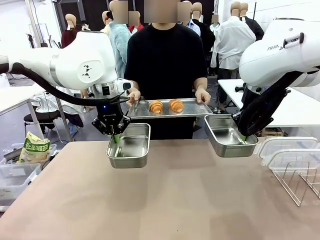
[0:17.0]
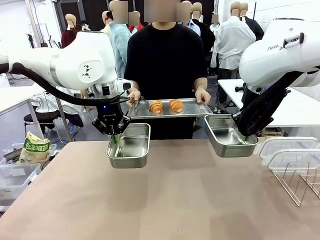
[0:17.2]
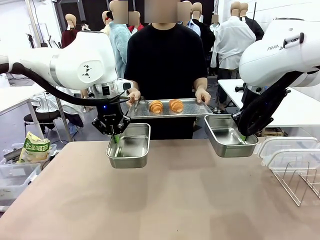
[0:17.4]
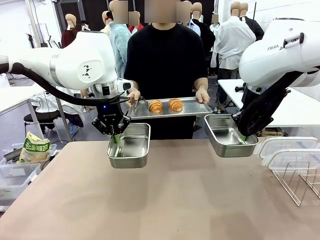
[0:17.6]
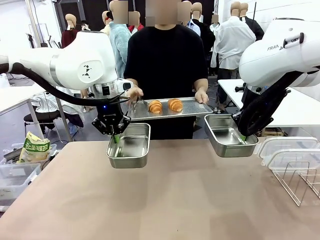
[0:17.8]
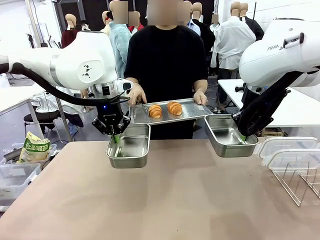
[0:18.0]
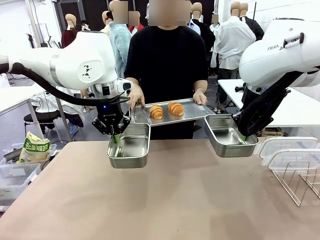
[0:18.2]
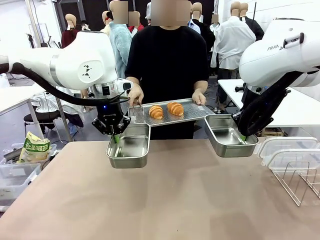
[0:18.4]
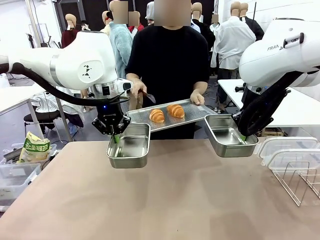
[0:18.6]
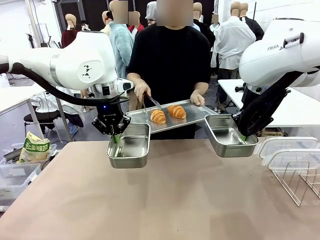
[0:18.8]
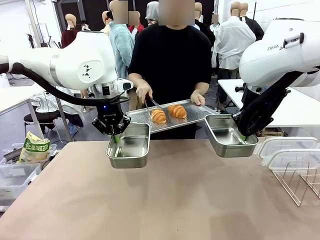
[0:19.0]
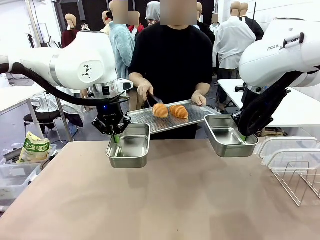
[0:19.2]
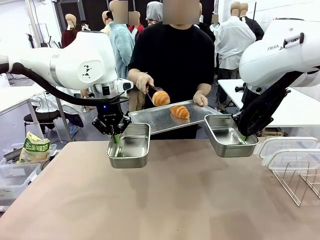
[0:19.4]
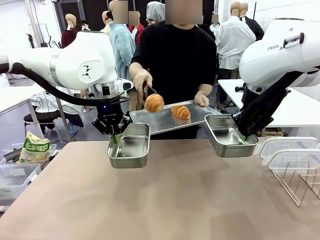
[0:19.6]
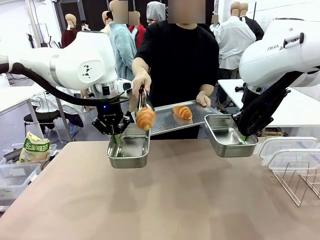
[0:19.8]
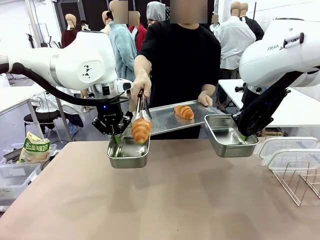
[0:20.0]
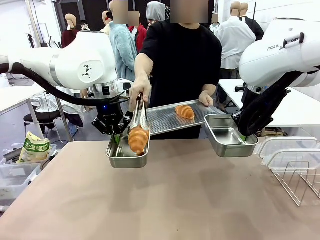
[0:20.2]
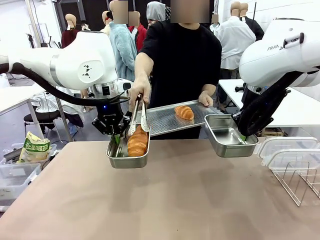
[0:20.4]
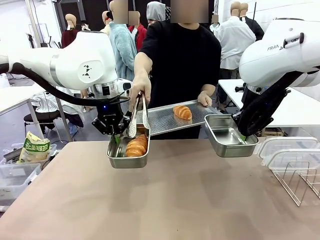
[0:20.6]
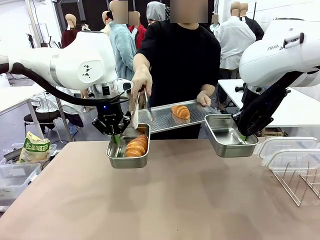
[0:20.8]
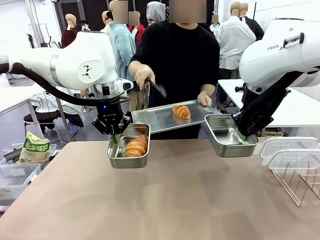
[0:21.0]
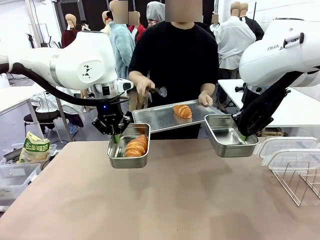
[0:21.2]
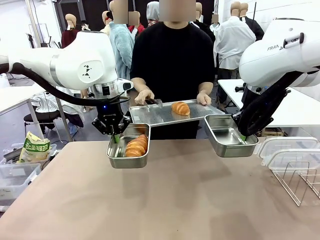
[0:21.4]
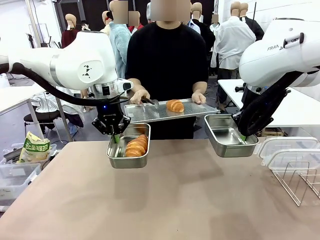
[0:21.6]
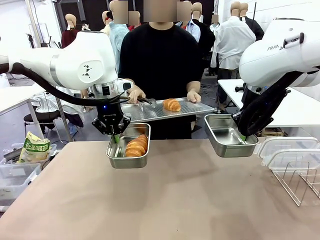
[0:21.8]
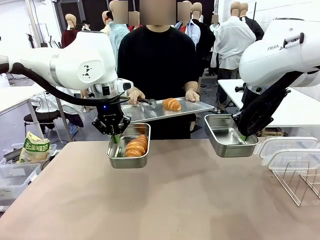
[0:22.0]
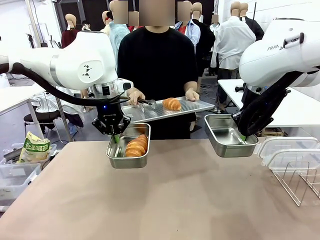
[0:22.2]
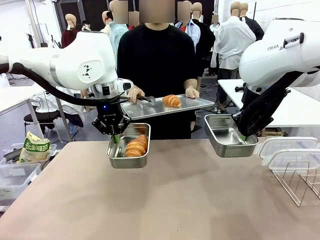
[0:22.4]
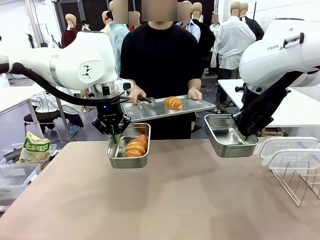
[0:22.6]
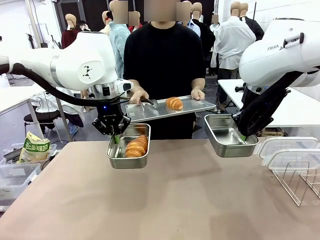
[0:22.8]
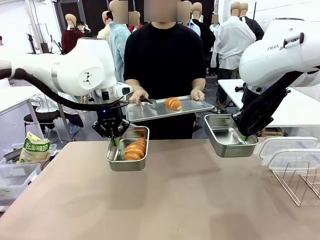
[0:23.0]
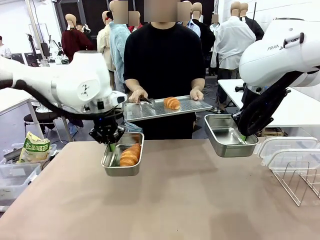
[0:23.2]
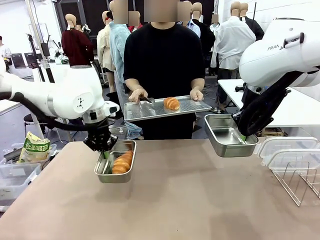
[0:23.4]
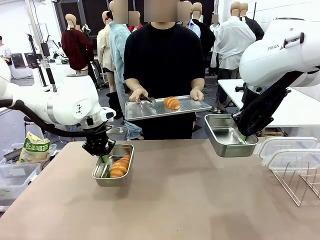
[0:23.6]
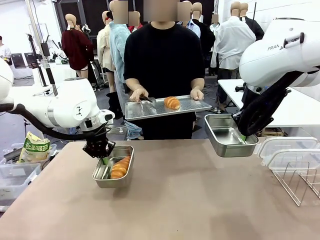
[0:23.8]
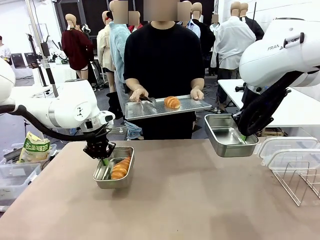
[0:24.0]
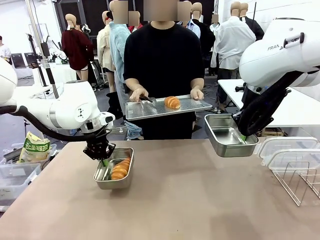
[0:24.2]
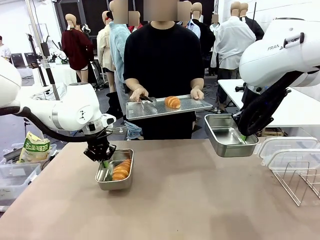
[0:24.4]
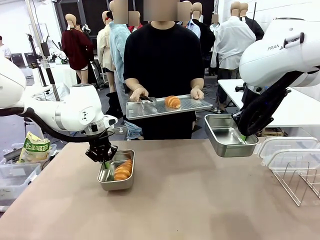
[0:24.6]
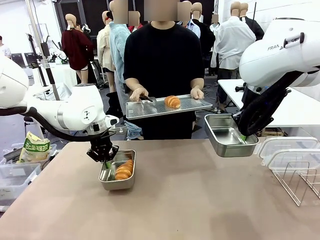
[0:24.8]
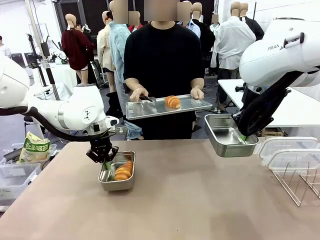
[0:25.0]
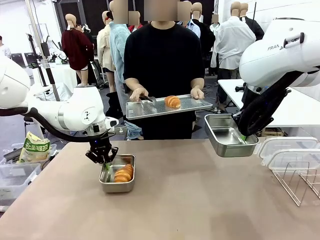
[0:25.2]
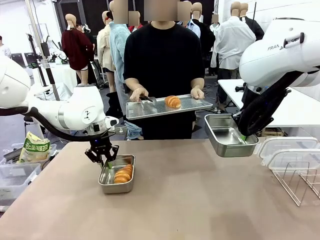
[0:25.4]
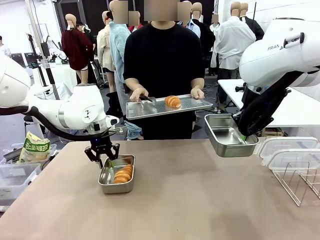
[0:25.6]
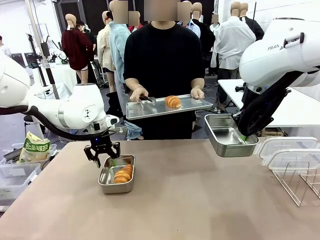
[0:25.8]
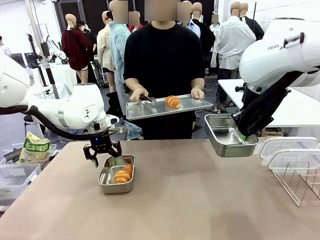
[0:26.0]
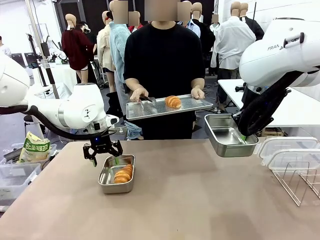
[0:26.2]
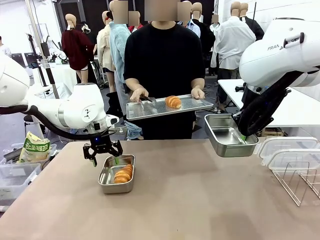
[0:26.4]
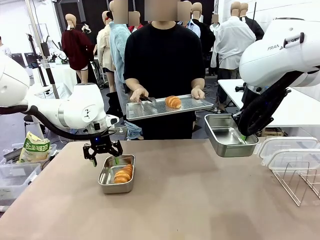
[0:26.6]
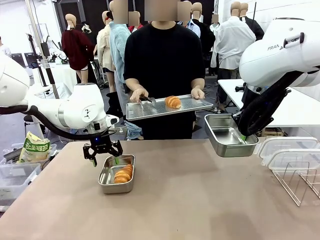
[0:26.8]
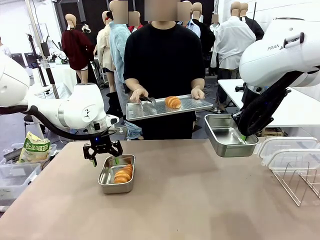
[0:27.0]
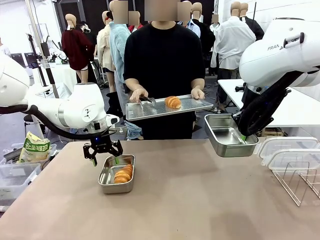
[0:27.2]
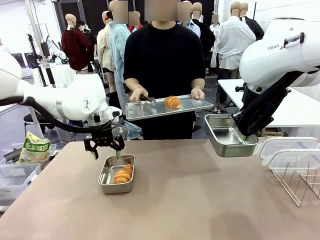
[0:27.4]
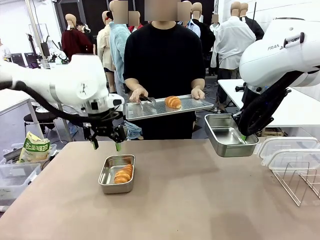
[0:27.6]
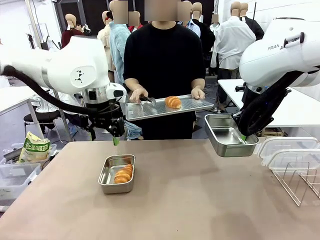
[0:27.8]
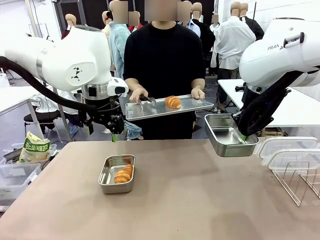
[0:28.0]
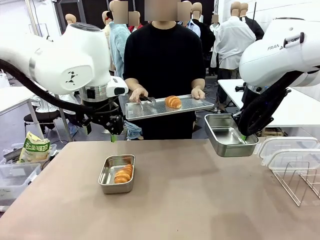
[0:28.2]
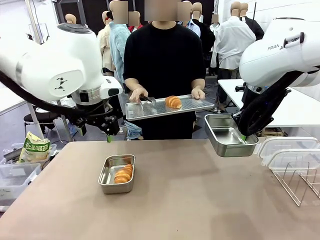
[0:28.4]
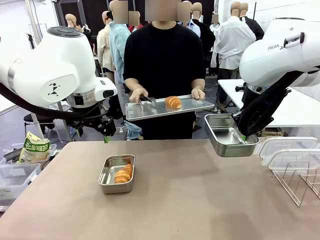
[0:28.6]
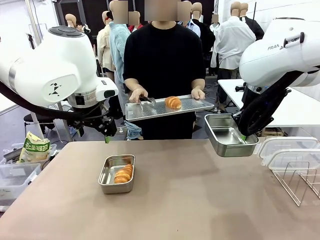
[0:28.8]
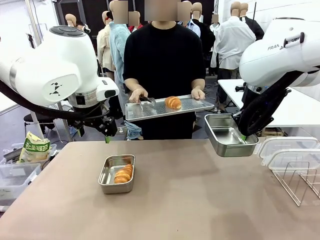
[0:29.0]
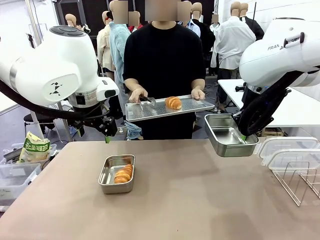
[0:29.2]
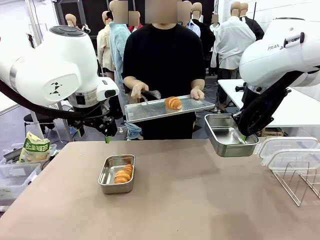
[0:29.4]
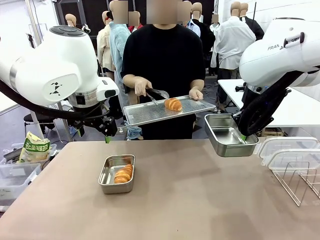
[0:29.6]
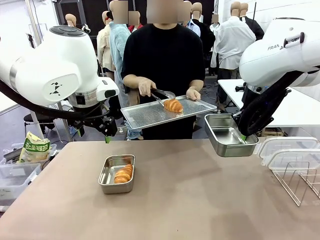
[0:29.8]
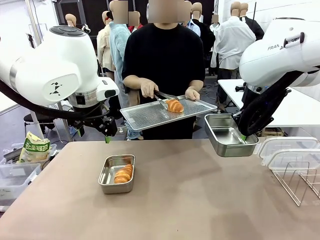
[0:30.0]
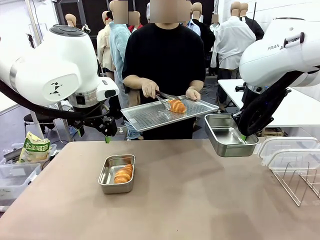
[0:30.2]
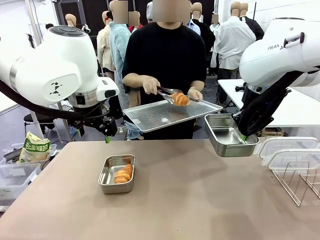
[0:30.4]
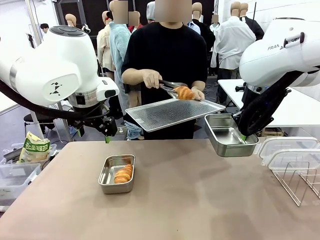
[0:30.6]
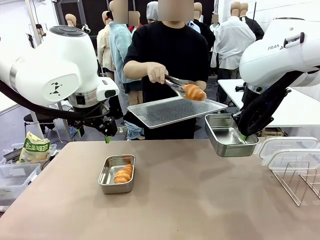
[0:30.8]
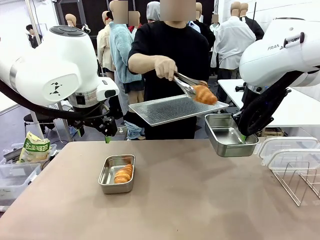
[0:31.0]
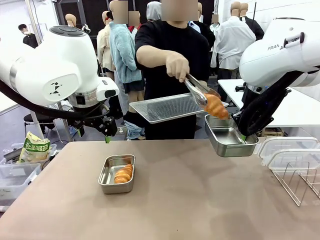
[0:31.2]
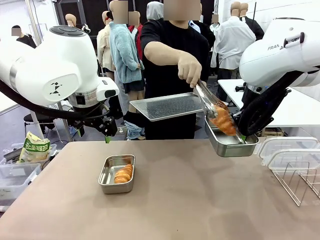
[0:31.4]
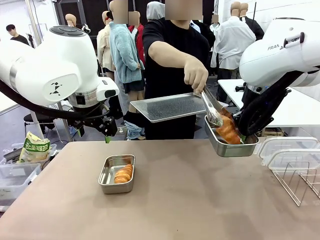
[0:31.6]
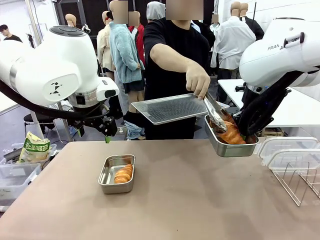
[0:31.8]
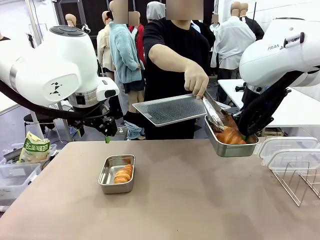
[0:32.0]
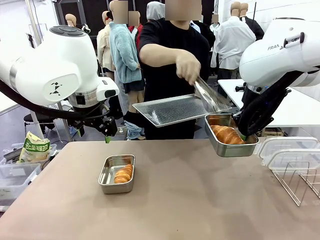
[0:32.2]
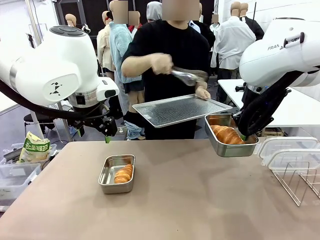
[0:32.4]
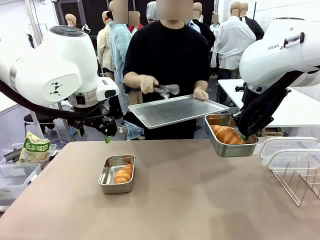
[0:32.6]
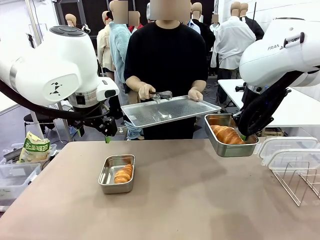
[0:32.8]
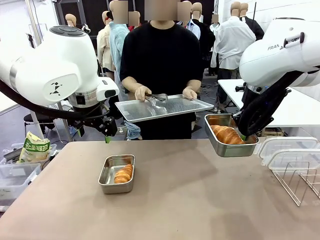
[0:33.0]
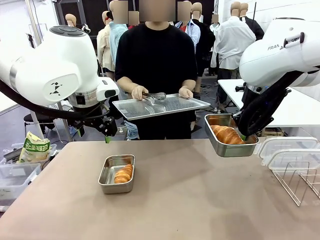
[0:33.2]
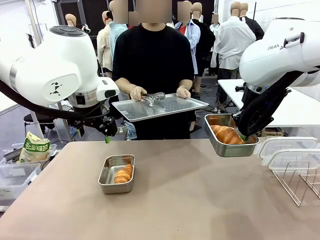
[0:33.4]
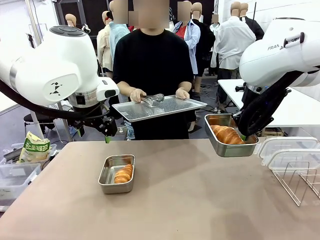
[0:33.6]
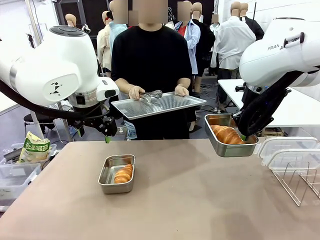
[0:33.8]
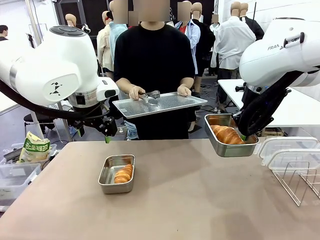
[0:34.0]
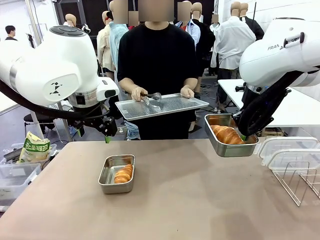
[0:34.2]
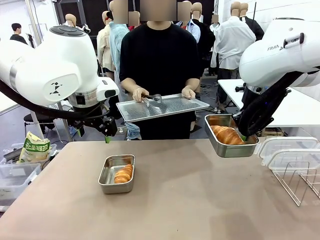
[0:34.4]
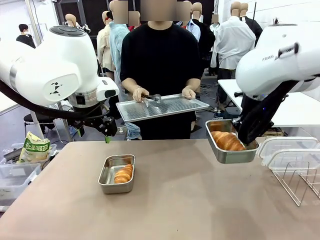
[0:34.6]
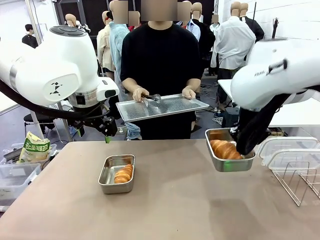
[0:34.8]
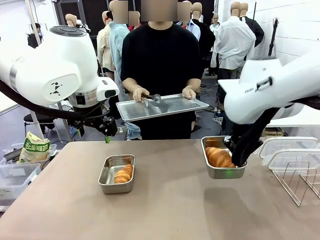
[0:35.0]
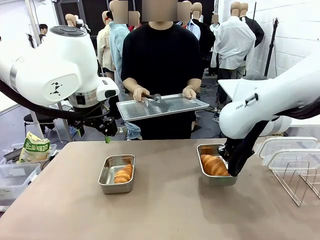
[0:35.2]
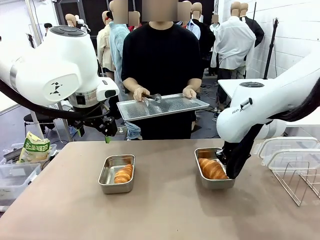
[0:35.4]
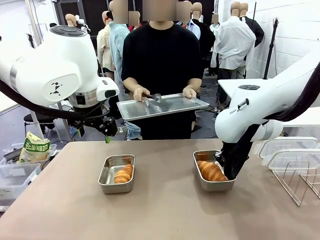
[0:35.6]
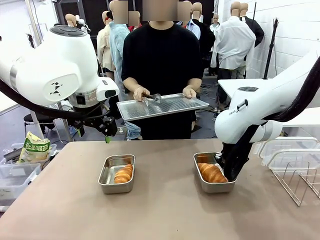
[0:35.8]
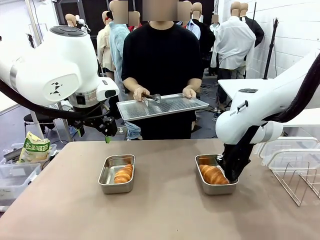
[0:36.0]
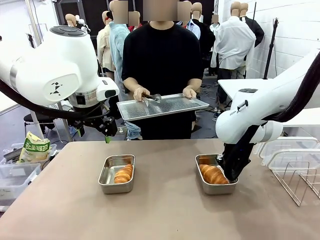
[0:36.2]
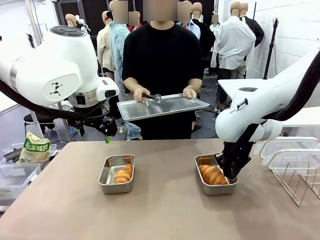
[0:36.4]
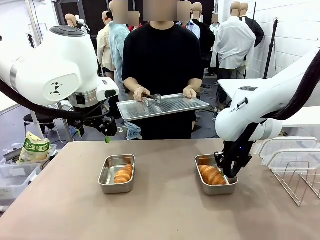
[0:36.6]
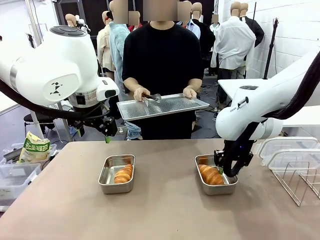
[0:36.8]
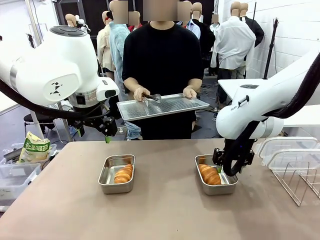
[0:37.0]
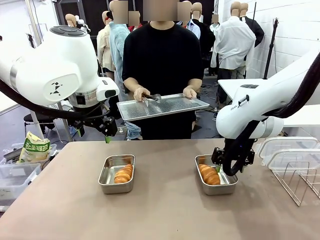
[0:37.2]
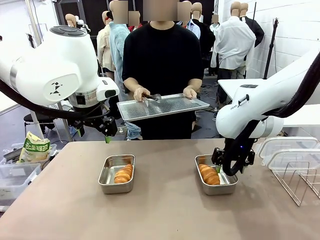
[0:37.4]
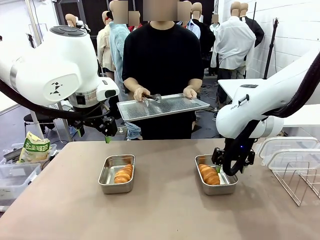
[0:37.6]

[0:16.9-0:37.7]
Task: Place the bread in airtight containers.
Robot: Once an object is inside an Airtight Container , place the container in the center of the table.
Person: Use the Stainless steel tongs to place one object from Baking Sheet into one Airtight Container.
